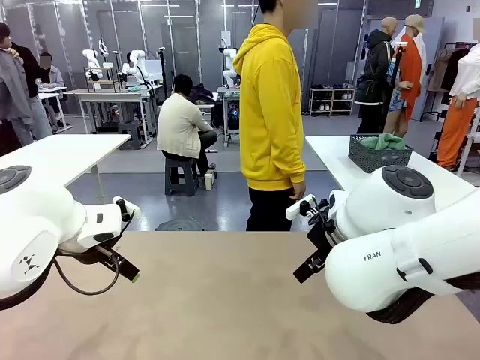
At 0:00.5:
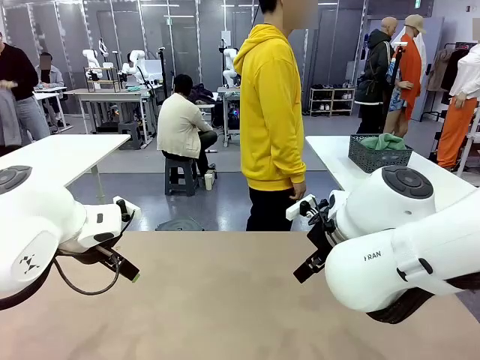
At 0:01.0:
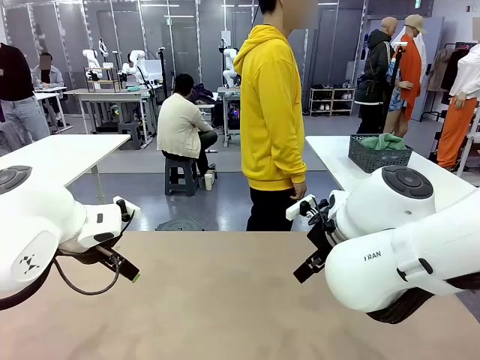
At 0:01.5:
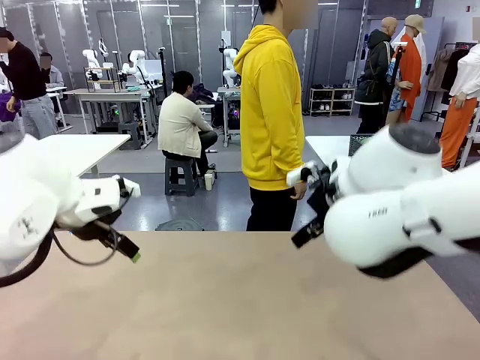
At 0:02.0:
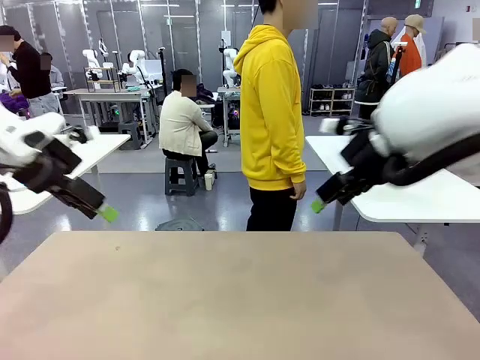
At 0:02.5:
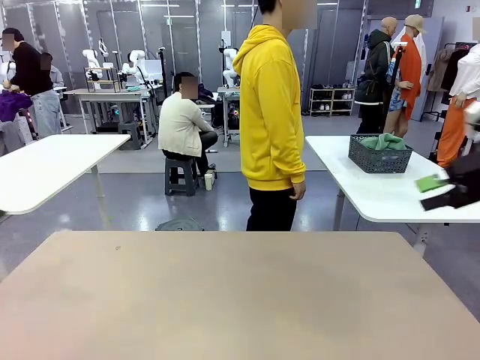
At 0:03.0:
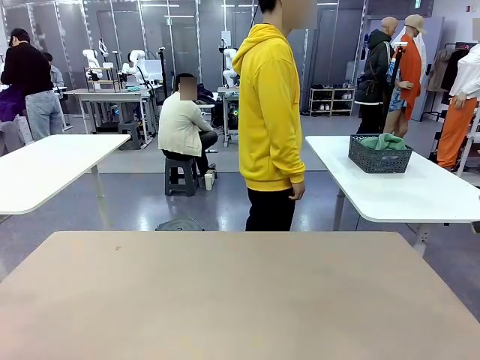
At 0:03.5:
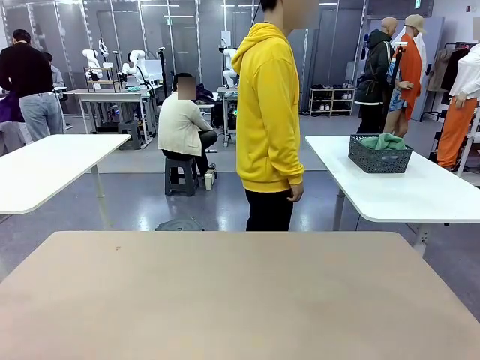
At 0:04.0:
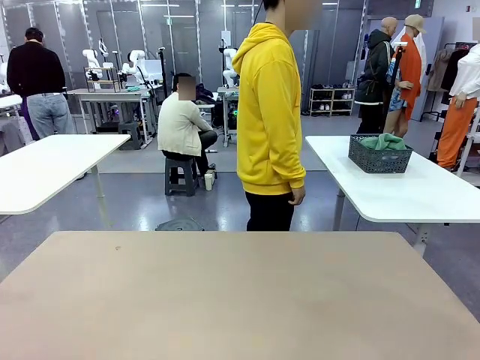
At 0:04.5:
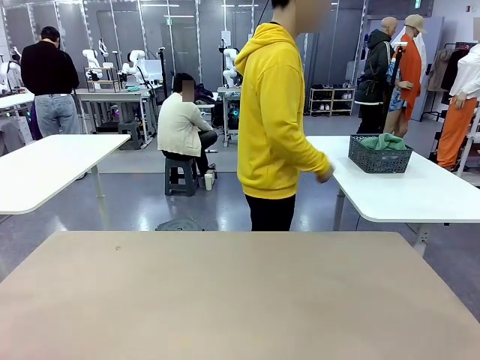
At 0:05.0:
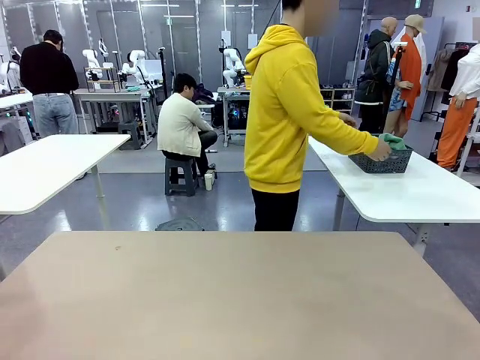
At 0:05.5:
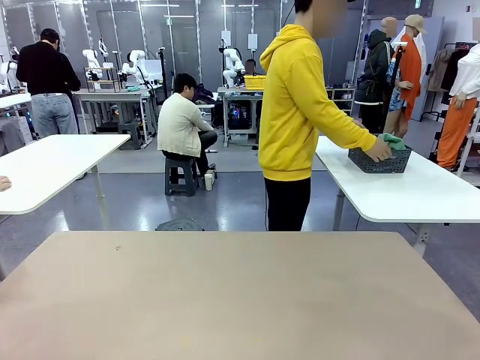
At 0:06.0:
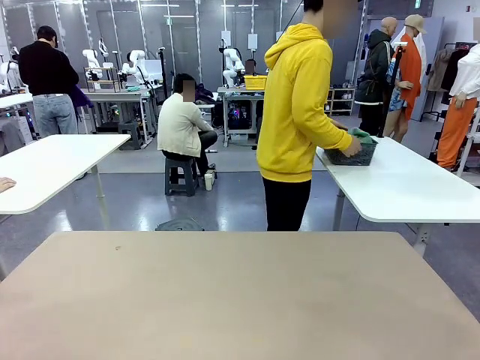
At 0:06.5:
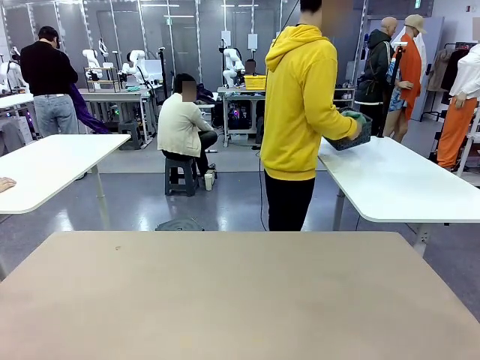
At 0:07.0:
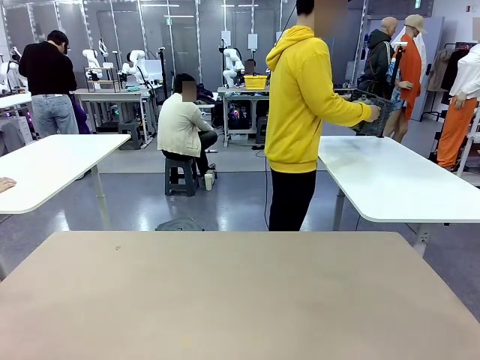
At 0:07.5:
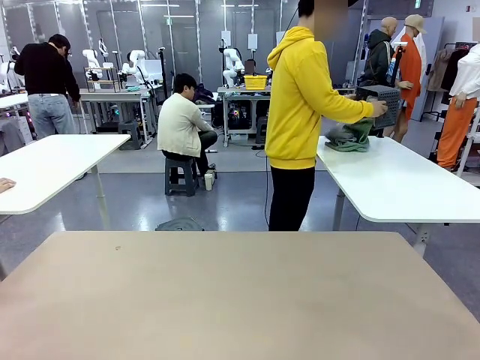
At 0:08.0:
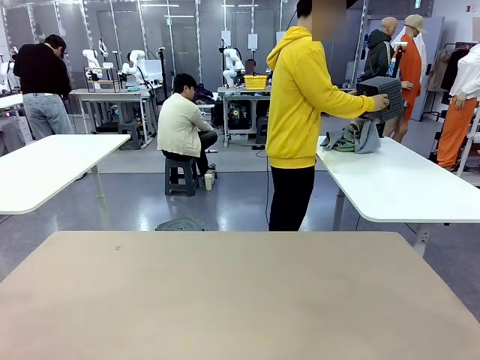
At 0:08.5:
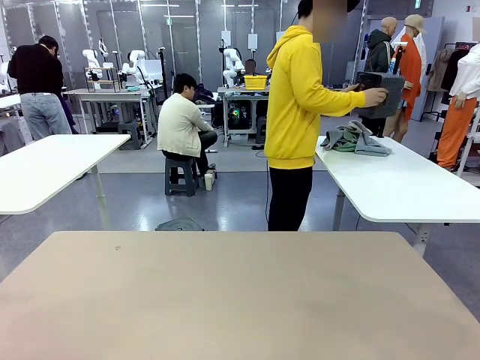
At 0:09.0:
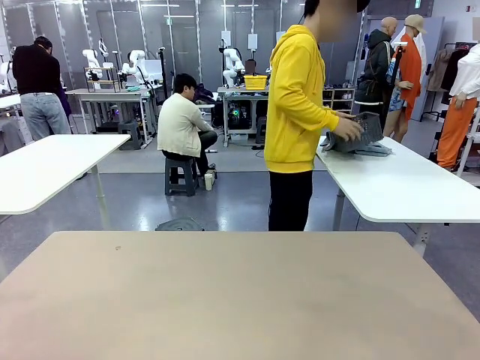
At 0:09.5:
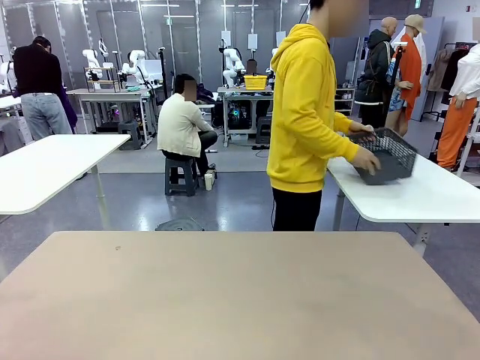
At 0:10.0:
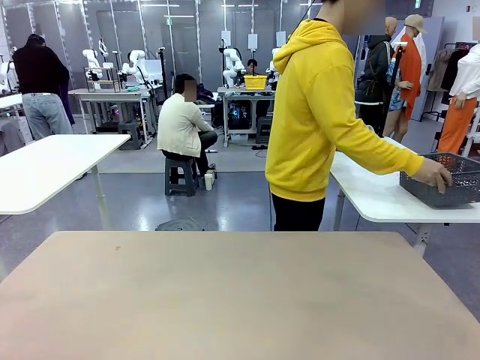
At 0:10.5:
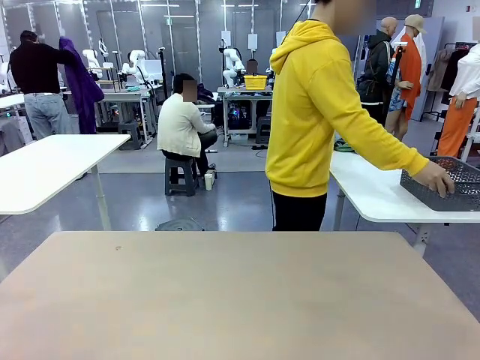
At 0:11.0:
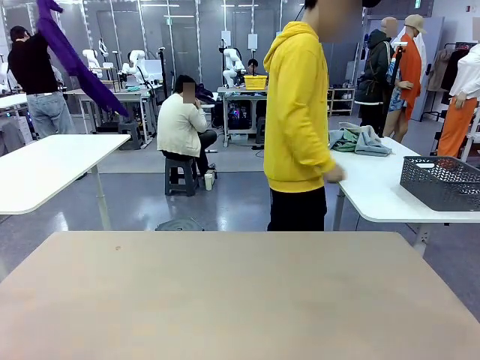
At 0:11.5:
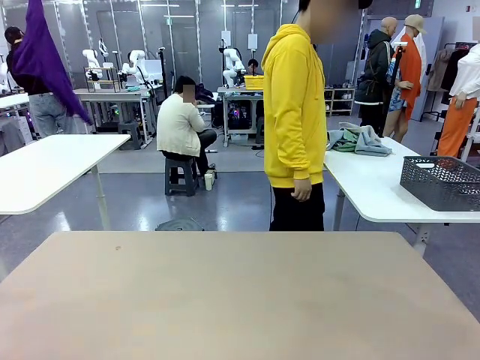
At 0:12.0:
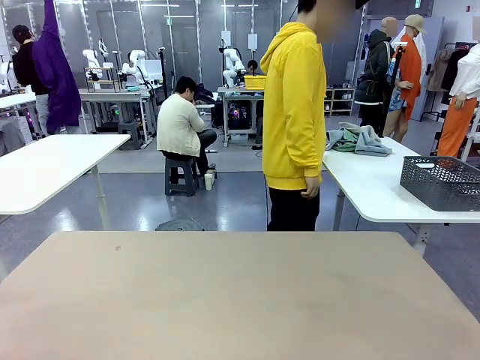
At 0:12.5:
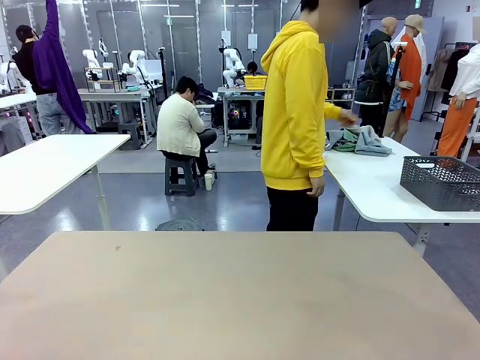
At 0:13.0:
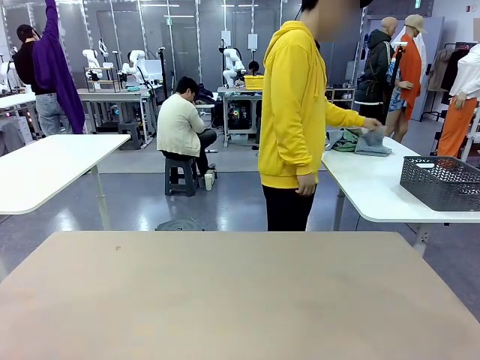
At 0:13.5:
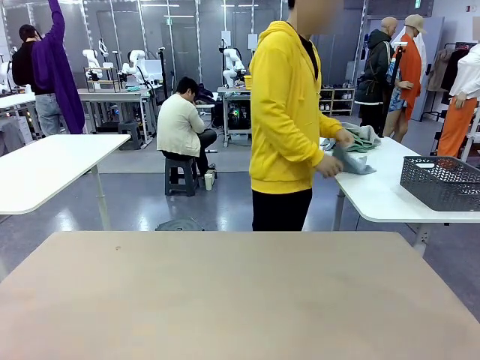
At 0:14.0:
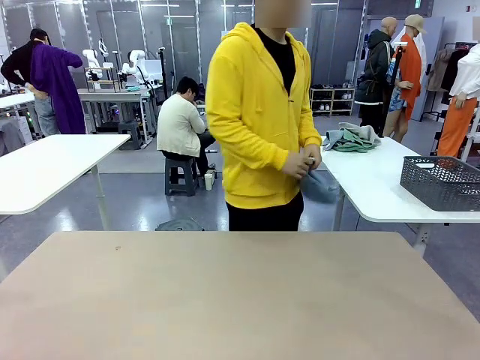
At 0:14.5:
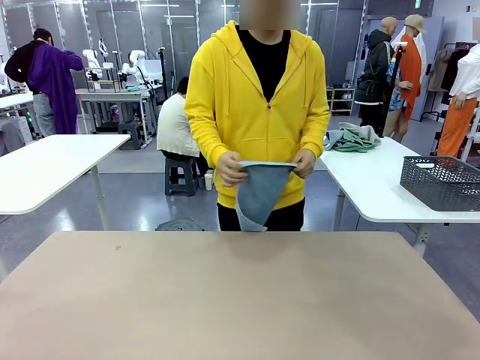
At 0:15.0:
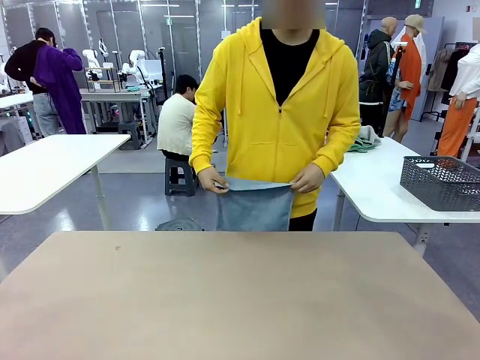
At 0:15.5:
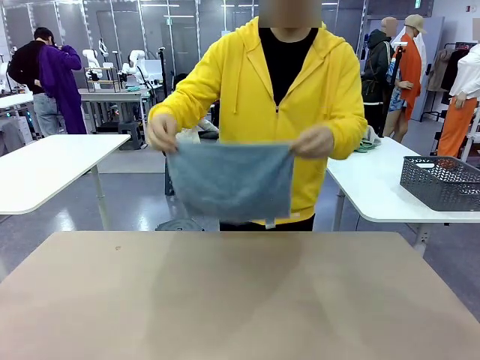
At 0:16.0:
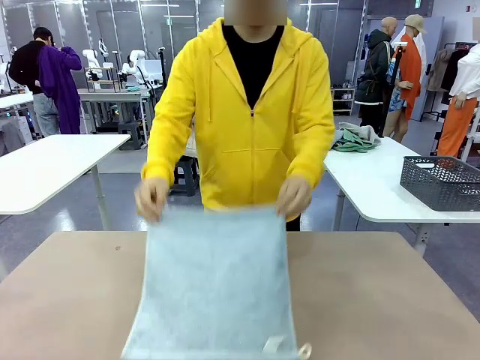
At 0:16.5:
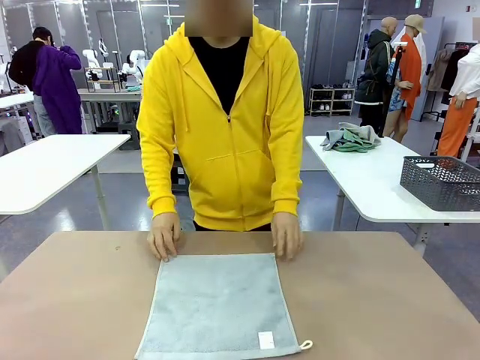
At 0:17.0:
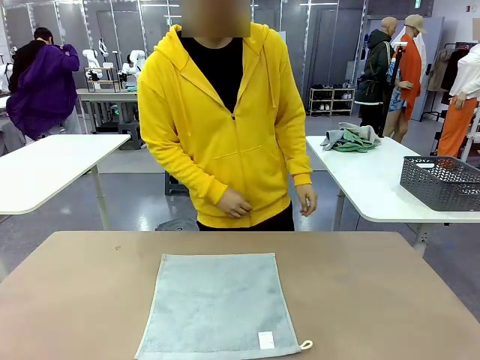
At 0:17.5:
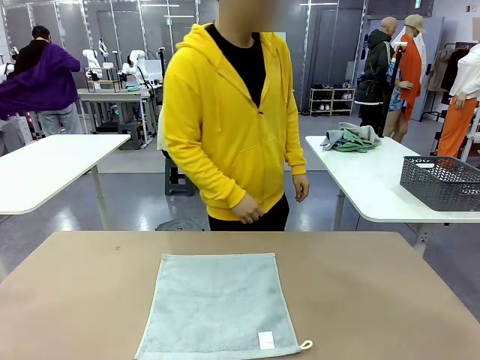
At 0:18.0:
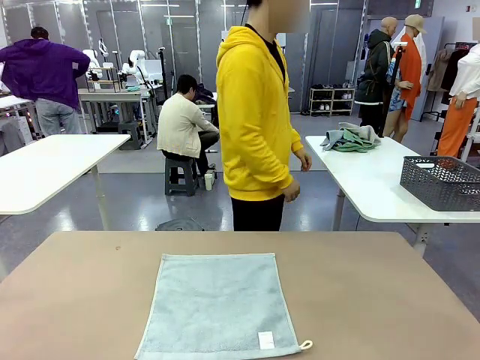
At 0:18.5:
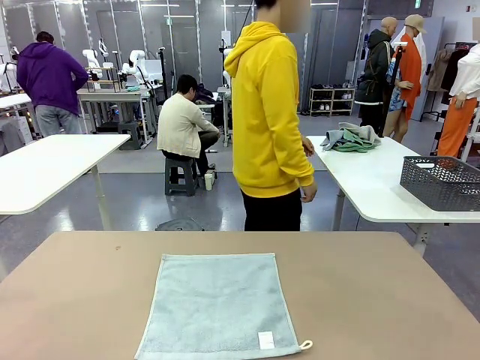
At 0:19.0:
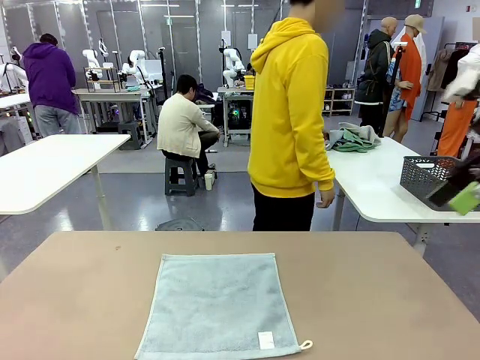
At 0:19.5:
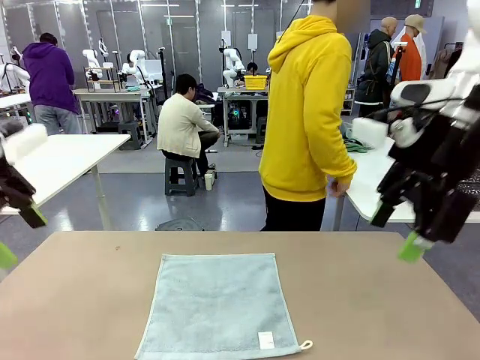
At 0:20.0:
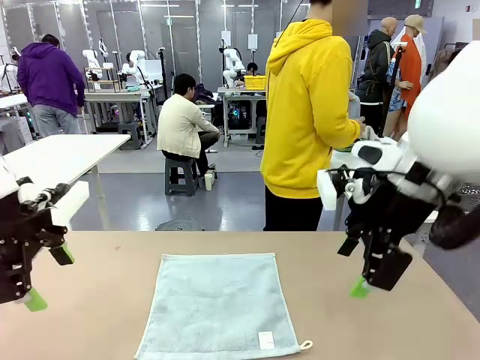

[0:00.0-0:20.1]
Task: Fold the towels and place them in the basket.
Robot: When a person lays out a Towel with hook on the table, fold it in half twice.
Person: Pick up the basket, pour the towels onto the left side of the human table, and place the basket on the right side. Pick up one towel and spread it out at the center of the robot table.

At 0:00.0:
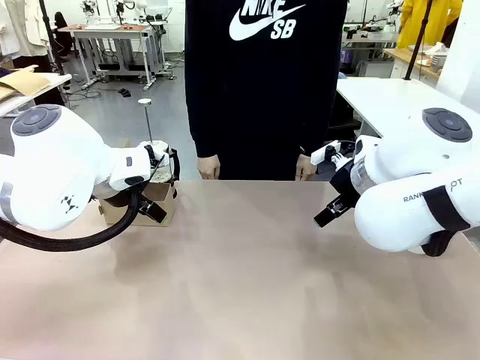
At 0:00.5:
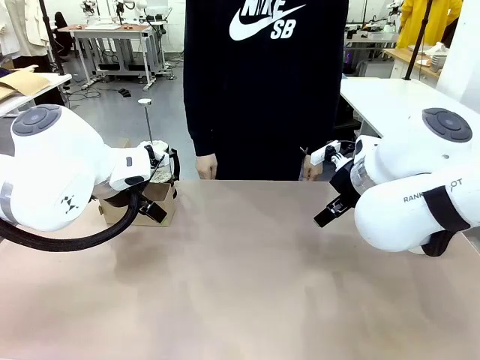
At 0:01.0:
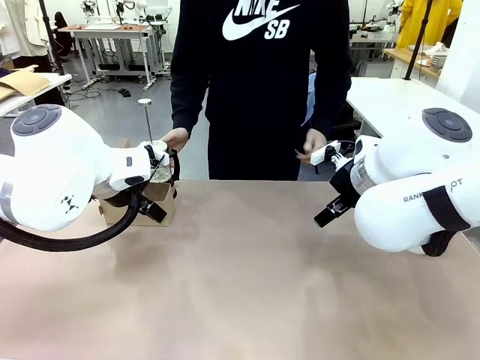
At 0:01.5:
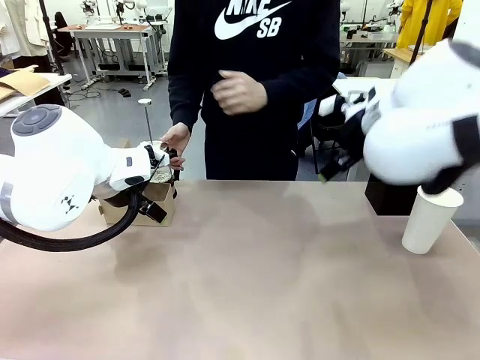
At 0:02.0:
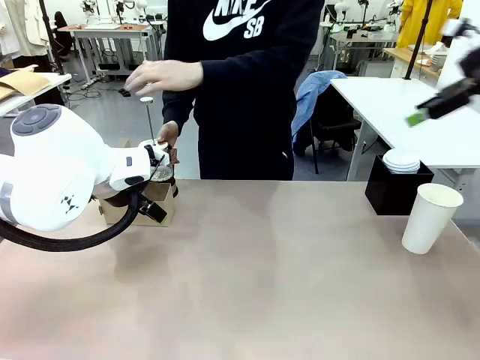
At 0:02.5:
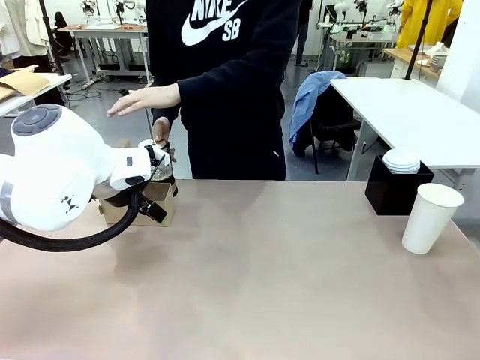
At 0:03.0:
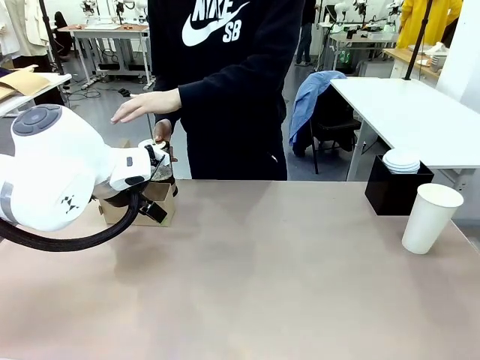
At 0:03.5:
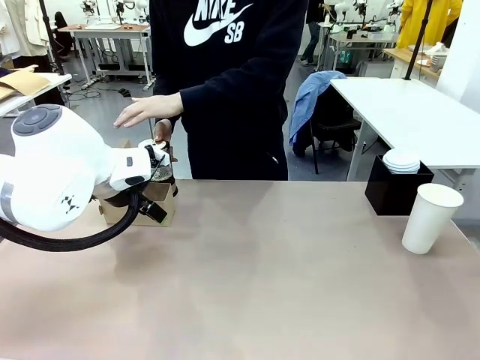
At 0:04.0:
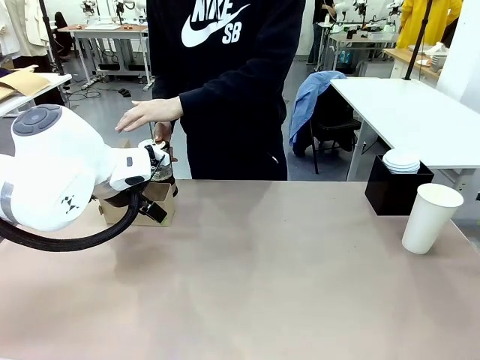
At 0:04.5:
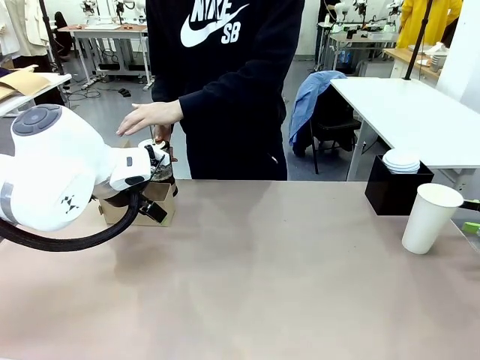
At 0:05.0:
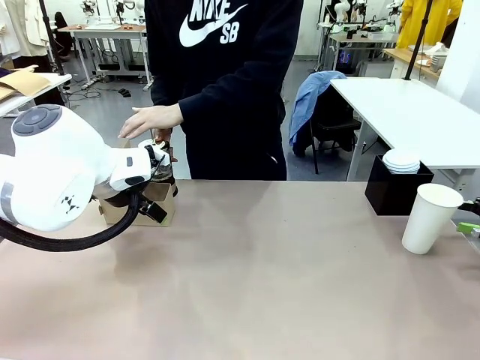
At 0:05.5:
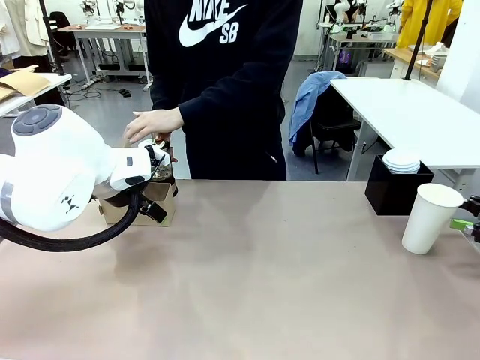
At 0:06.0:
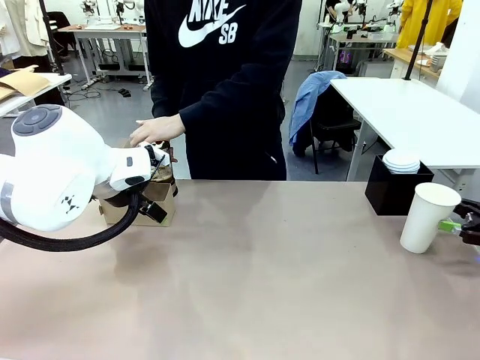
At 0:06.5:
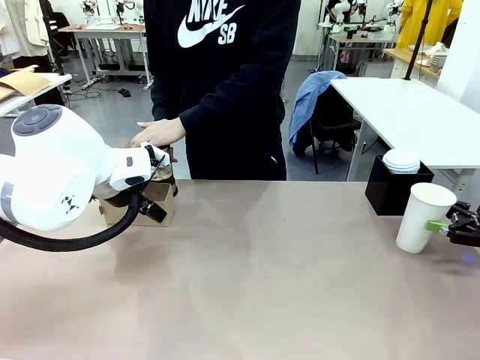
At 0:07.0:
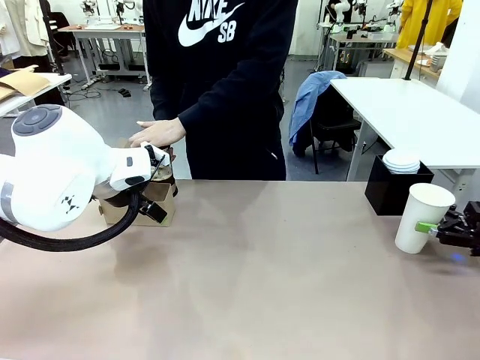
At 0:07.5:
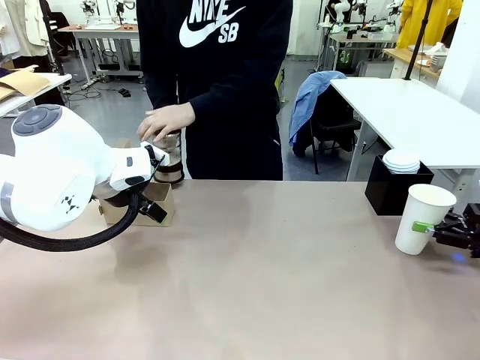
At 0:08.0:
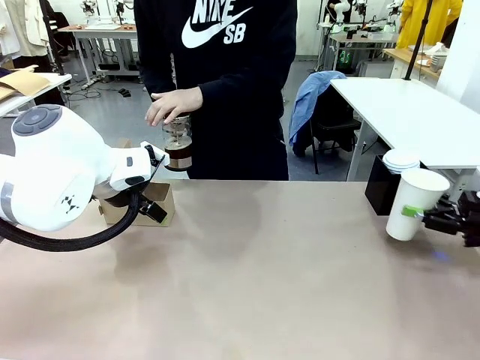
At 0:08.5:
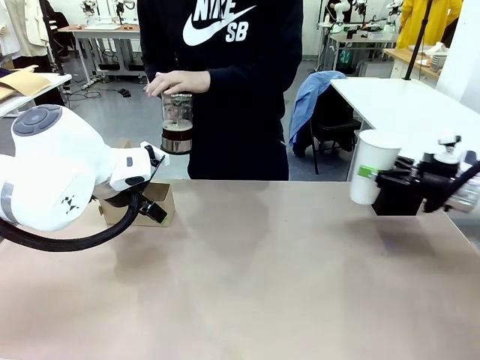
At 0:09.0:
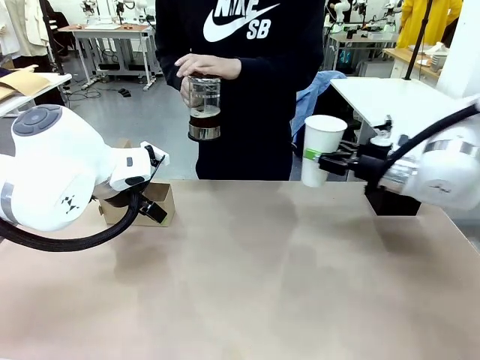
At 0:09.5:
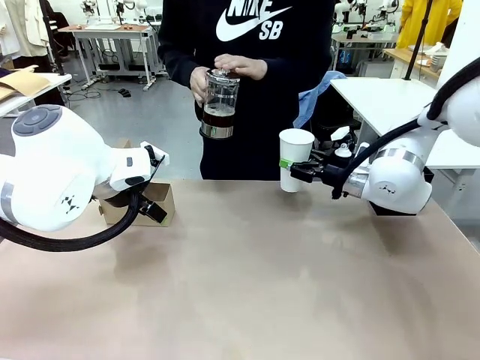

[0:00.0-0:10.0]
Task: Pour a drink into a cup and package it in a carrier.
Robot: Pick up the 600 ml Paper Cup and place it in the middle top area of the table.
Person: Press and pick up the Filter Brewing.
